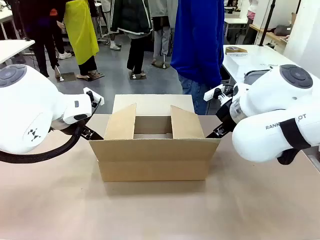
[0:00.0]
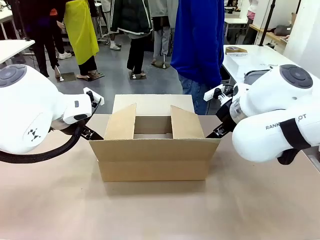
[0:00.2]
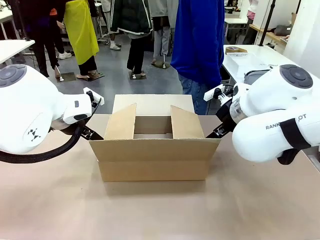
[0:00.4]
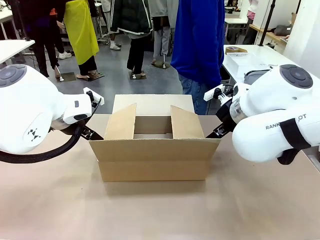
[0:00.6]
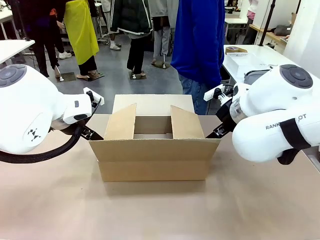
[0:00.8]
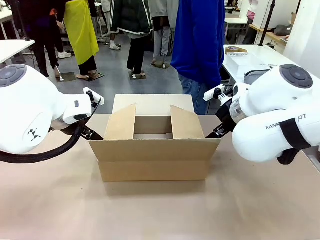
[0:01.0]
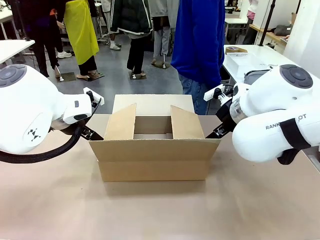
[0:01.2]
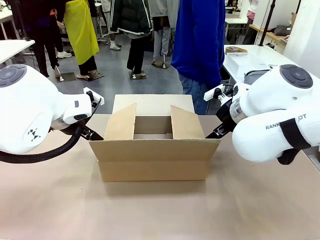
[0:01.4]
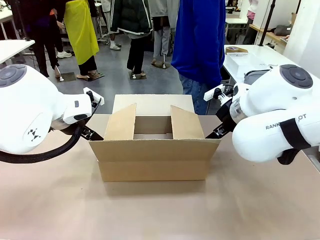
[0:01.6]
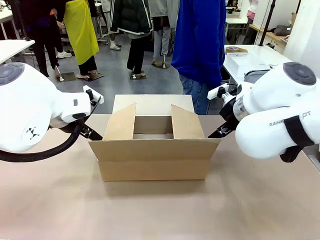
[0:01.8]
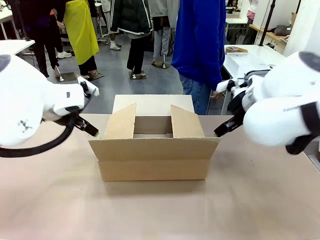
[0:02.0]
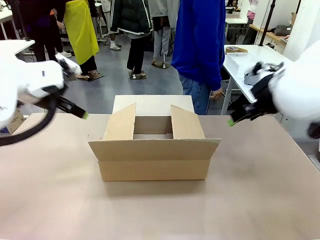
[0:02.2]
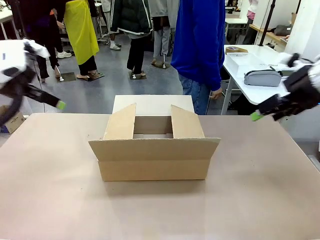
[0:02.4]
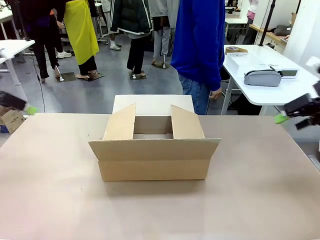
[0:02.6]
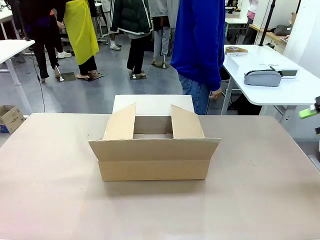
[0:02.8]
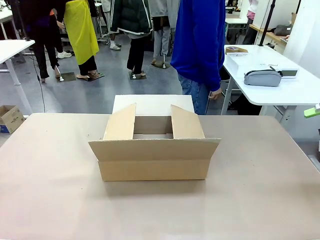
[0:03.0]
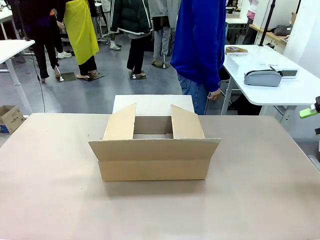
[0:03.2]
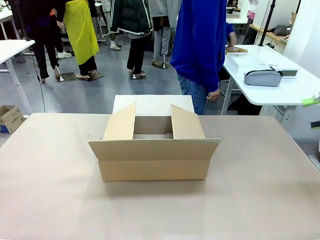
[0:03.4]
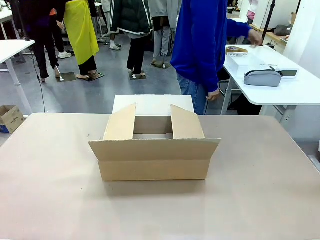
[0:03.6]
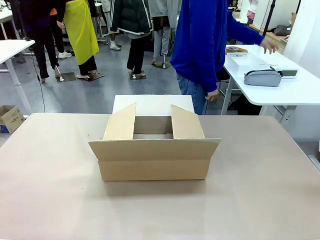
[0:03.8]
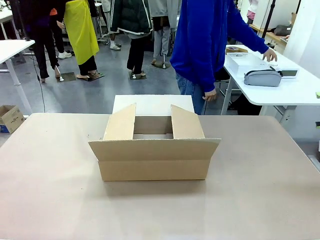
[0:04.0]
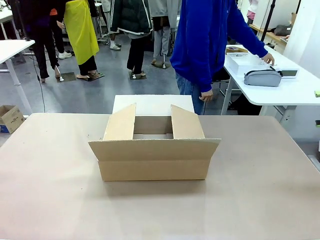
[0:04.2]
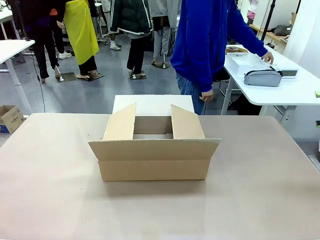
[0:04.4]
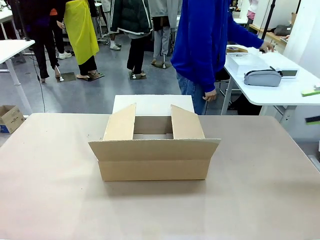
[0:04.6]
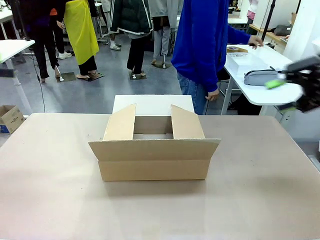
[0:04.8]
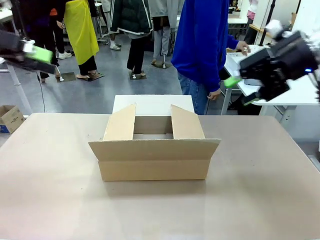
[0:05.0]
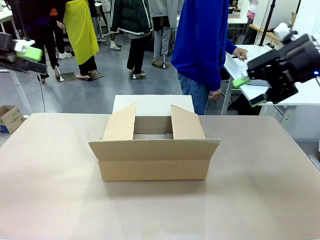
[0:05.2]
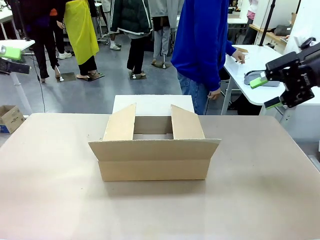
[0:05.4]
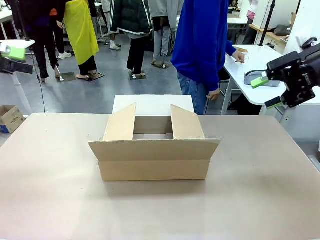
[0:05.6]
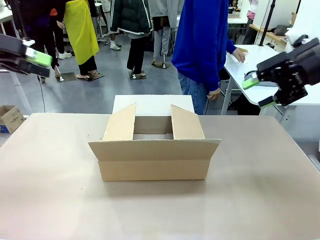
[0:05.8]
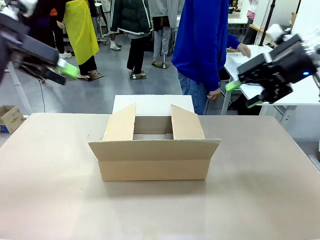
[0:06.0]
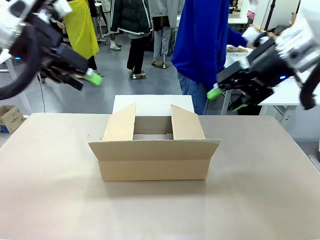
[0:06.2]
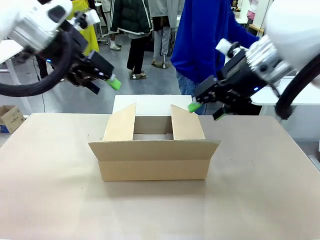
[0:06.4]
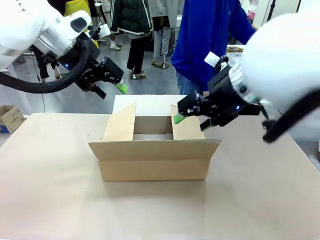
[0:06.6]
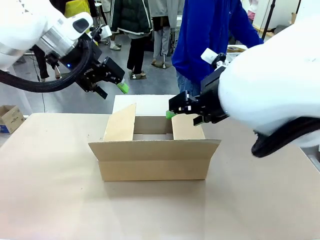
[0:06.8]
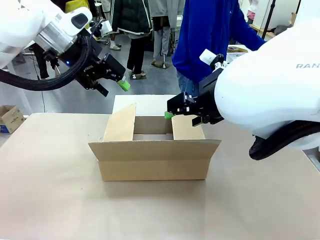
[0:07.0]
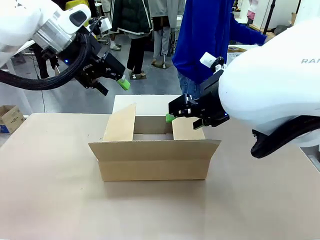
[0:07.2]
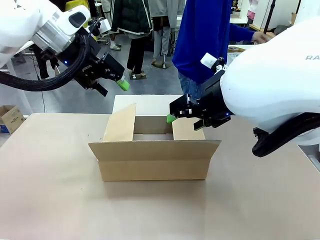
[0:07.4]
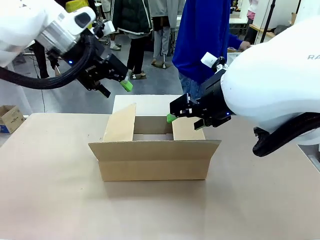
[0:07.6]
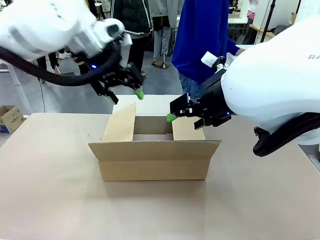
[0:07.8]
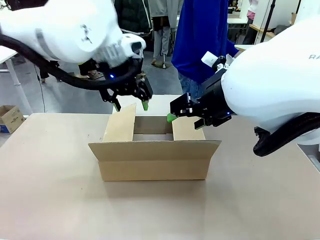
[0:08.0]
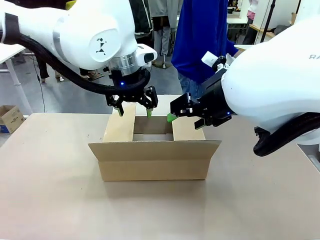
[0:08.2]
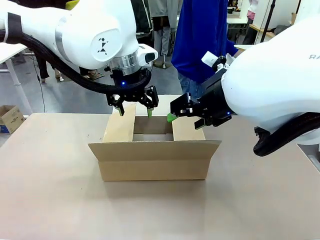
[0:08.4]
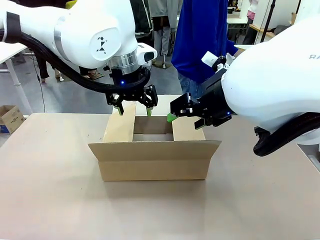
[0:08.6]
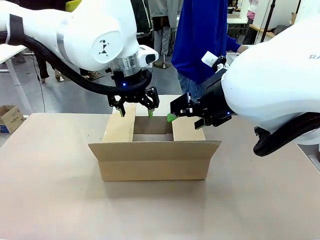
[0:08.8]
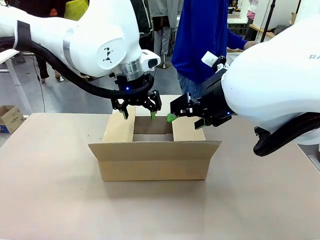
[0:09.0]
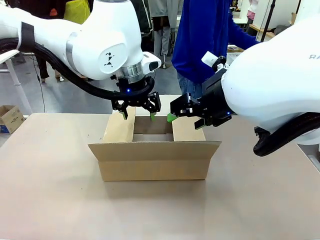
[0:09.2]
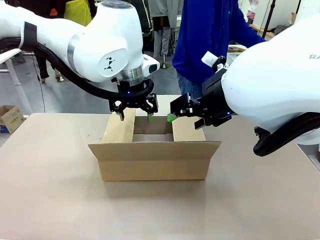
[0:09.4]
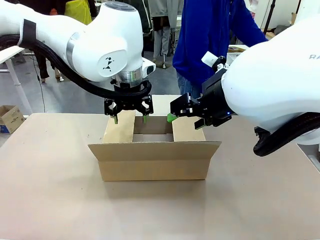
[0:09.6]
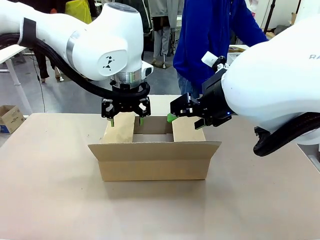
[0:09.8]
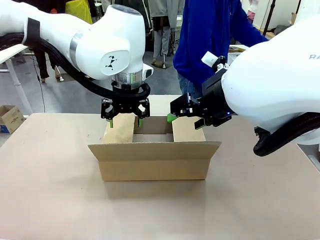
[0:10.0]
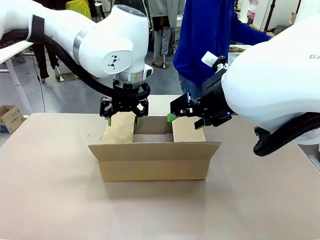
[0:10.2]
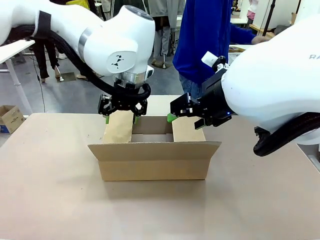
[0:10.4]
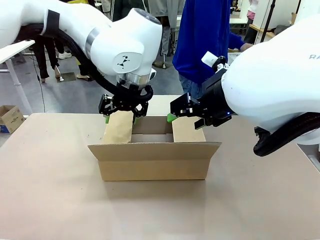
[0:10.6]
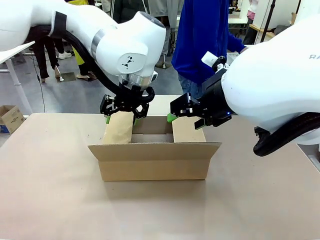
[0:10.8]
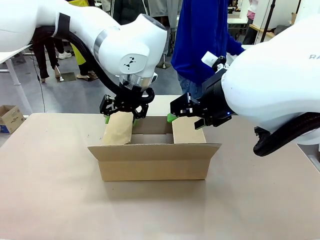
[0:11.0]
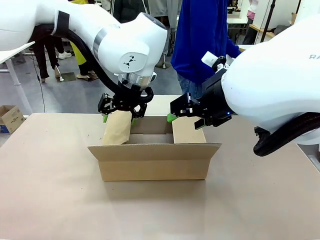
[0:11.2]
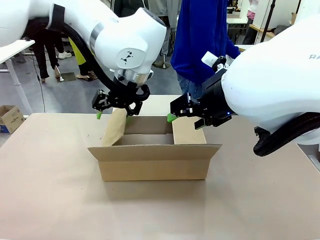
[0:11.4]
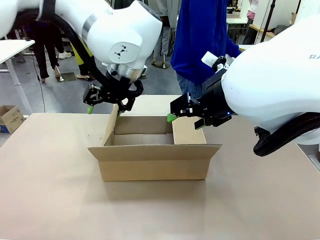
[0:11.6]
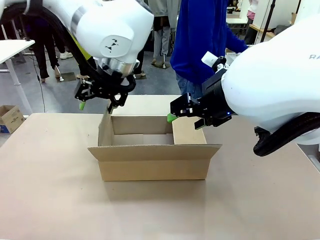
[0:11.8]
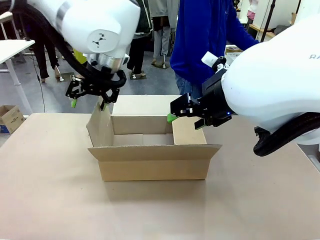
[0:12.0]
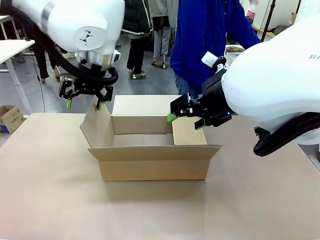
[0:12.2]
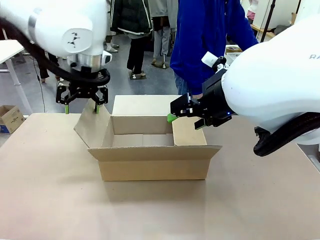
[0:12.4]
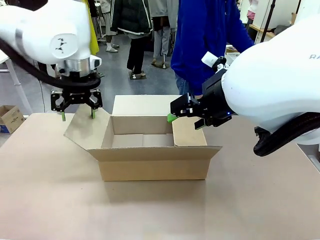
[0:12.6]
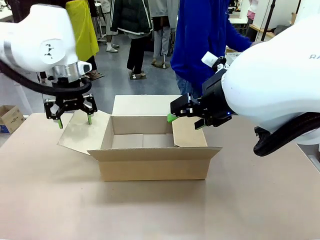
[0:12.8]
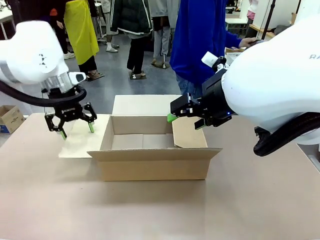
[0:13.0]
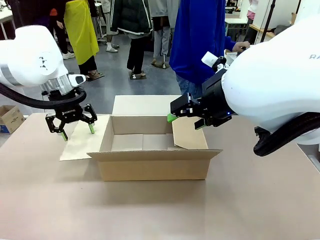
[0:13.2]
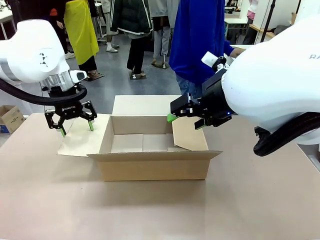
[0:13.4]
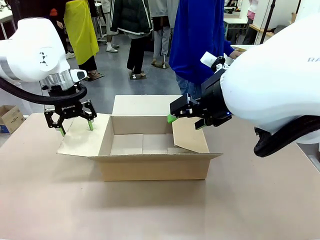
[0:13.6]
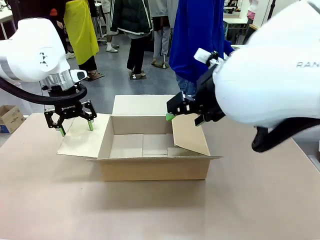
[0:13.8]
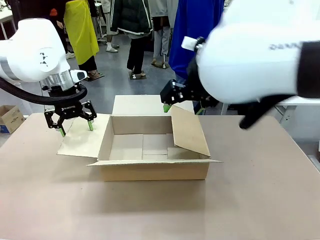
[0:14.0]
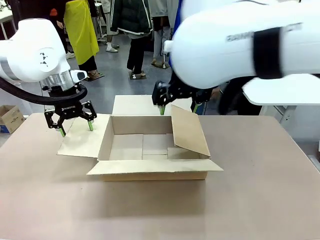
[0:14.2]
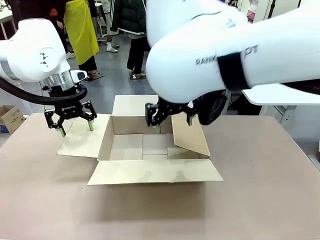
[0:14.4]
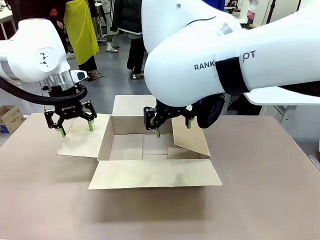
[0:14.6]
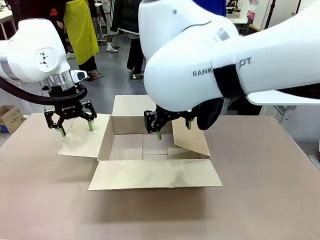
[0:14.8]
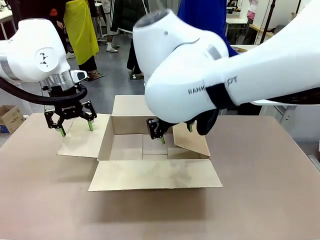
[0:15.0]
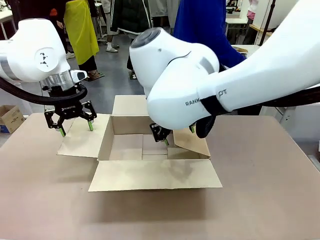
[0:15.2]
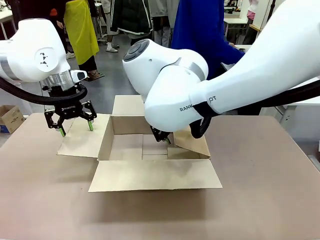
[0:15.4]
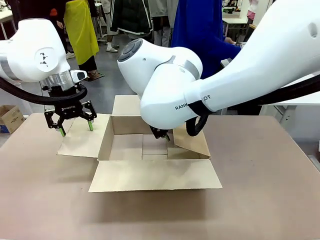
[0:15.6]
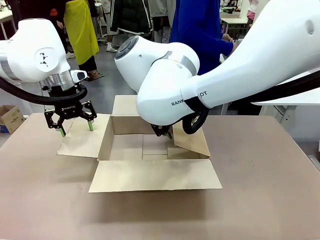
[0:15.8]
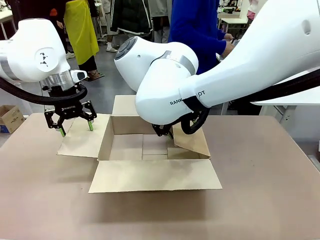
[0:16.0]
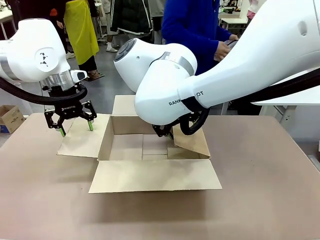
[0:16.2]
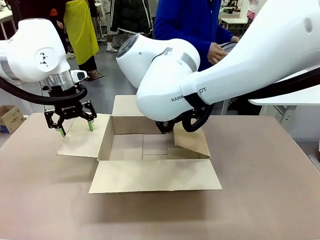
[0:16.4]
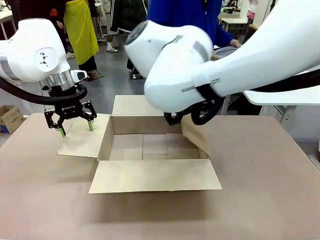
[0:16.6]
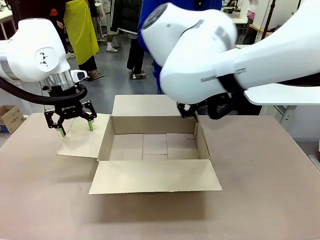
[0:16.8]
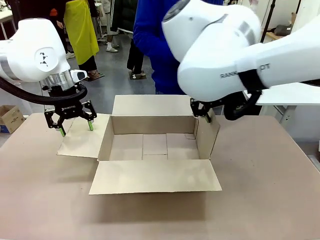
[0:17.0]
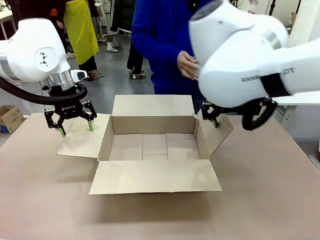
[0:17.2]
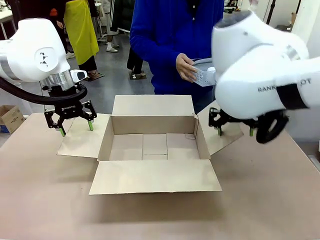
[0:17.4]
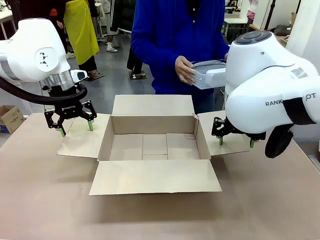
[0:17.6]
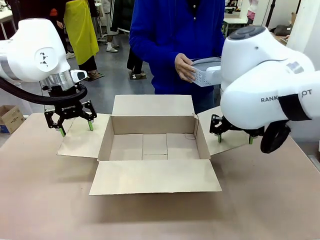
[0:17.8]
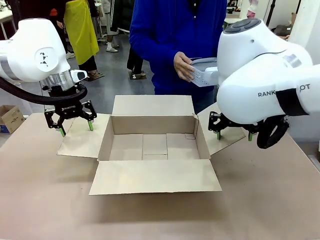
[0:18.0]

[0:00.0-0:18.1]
Task: Pack the gift set into the box.
Robot: Place both hands on the side flaps of the Package Box and spread them outward.
Person: The human places all items except the paper tape into the organizing basket.

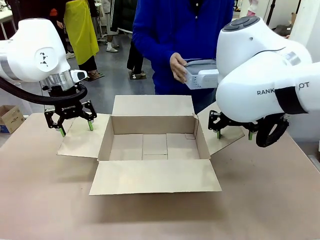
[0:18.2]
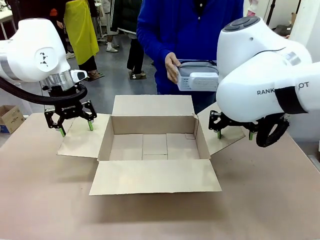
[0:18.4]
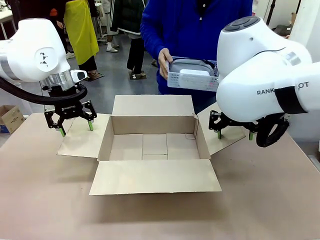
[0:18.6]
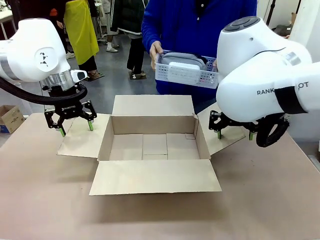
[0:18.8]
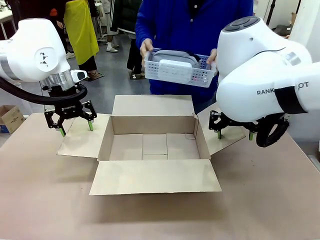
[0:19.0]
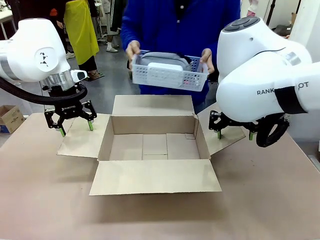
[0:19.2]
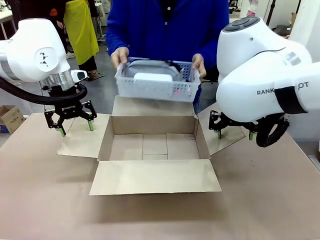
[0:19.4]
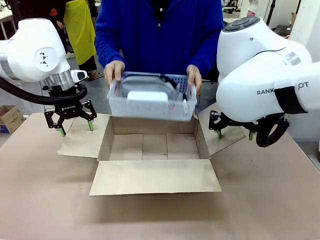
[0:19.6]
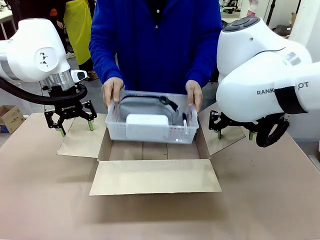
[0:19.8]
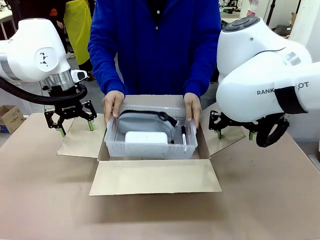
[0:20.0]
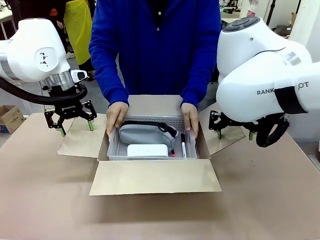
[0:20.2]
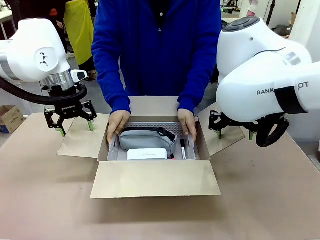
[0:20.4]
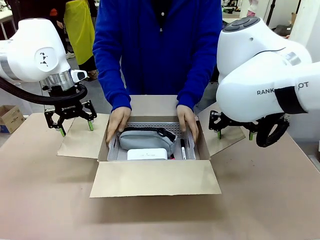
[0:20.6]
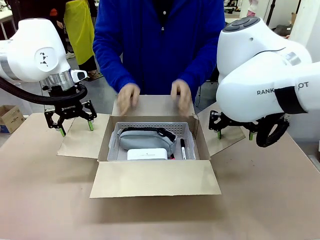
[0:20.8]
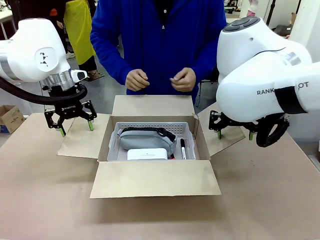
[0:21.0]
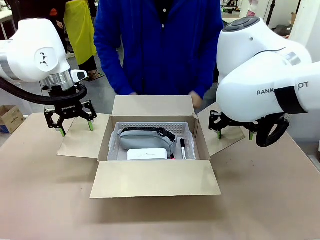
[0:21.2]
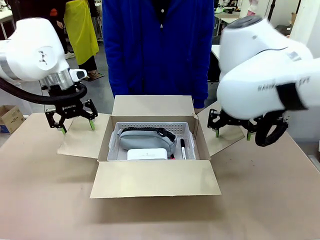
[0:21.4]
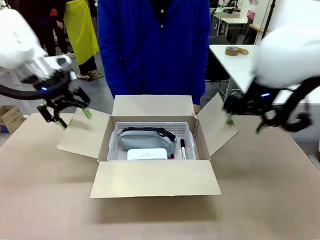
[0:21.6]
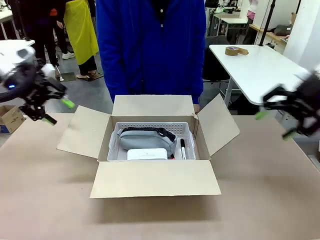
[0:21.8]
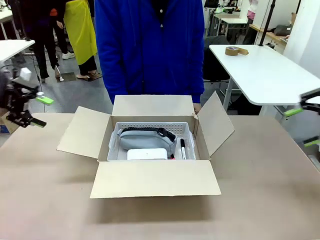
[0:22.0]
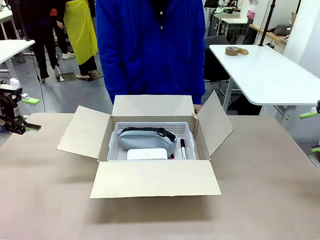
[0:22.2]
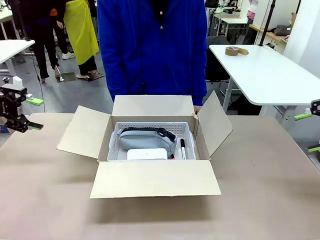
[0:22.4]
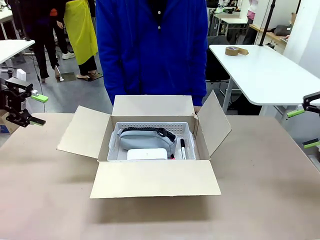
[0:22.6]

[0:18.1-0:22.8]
Robot: Lift both hands away from the flaps of the Package Box.
Person: The human picks up the organizing basket and places the organizing basket into the package box on the robot table.
